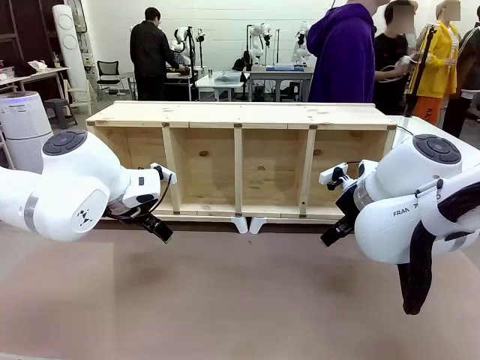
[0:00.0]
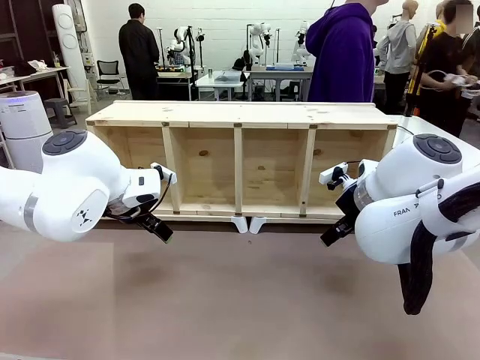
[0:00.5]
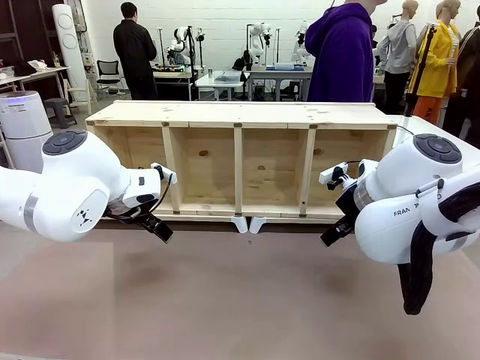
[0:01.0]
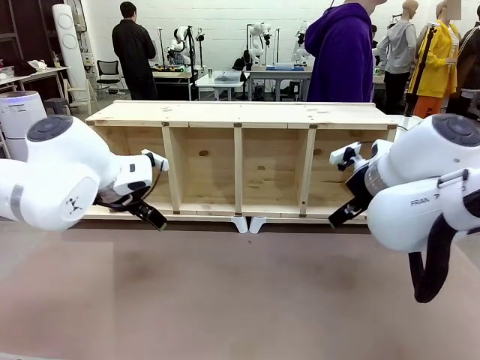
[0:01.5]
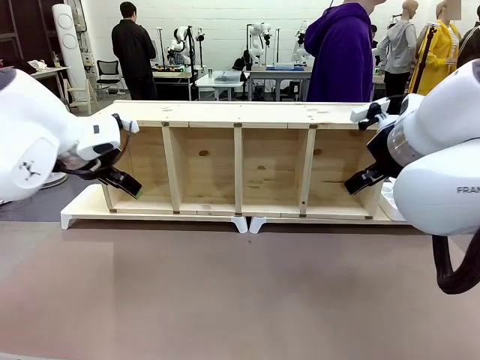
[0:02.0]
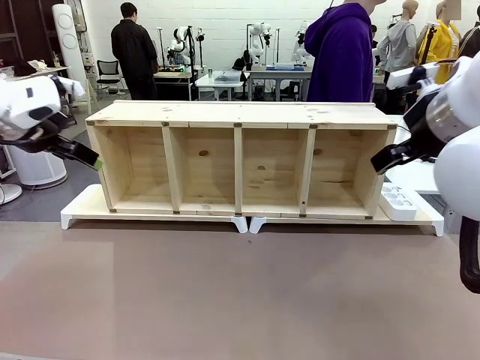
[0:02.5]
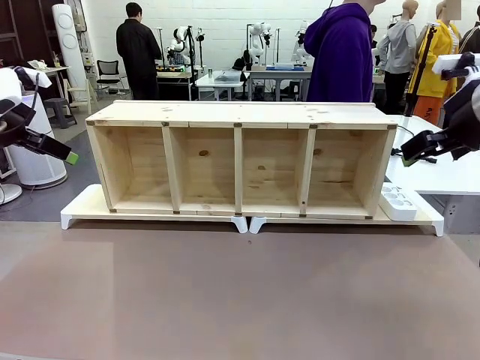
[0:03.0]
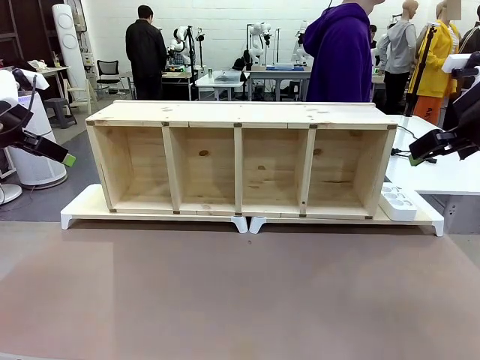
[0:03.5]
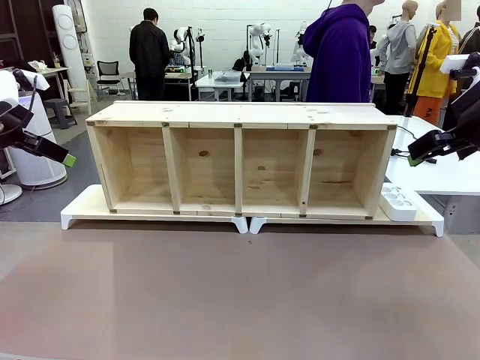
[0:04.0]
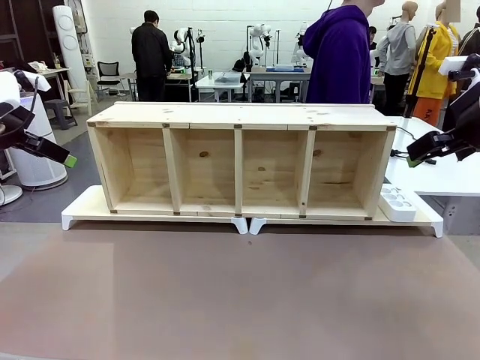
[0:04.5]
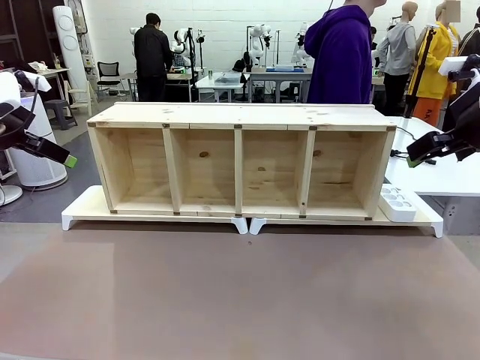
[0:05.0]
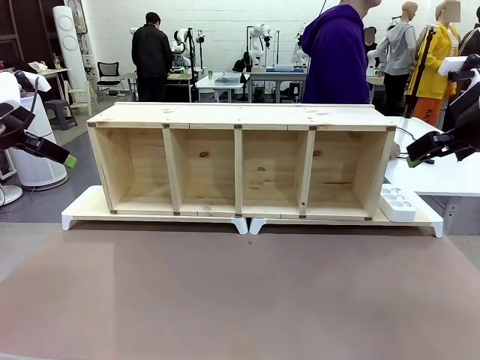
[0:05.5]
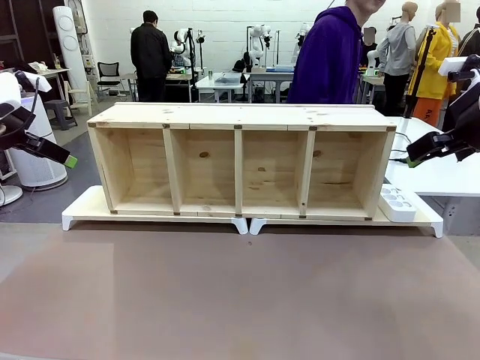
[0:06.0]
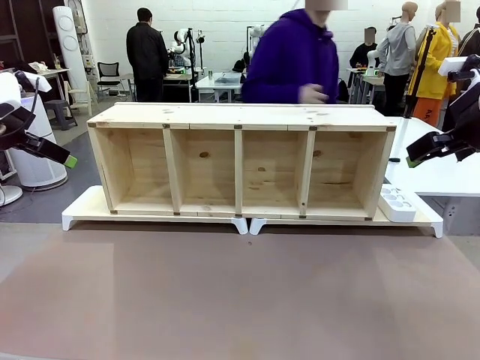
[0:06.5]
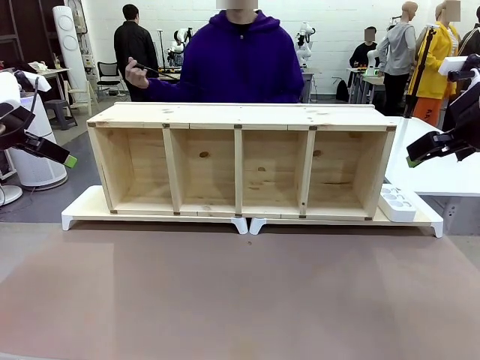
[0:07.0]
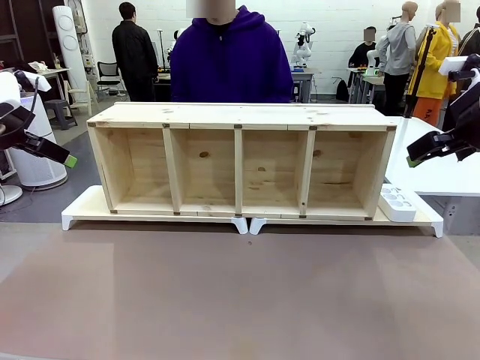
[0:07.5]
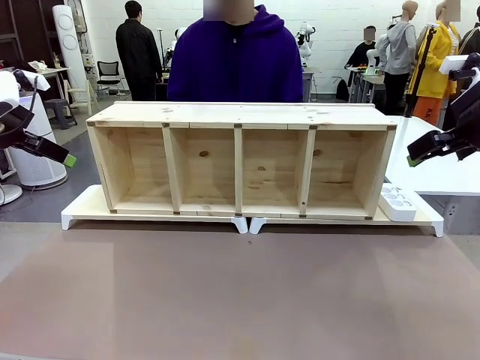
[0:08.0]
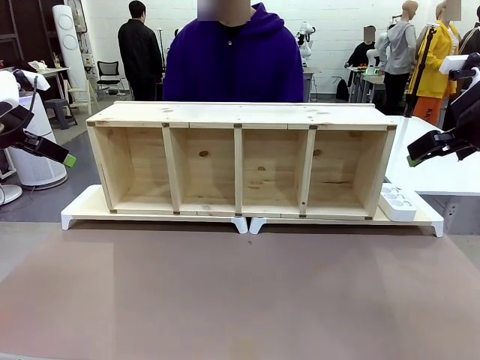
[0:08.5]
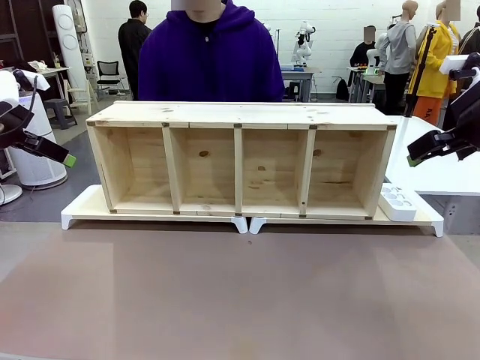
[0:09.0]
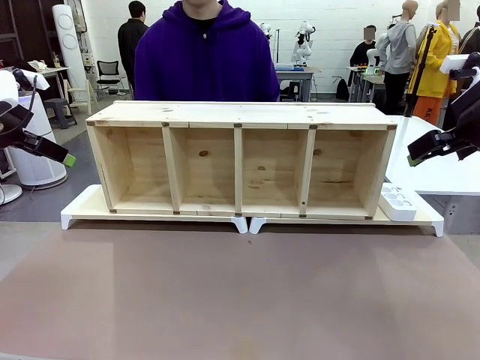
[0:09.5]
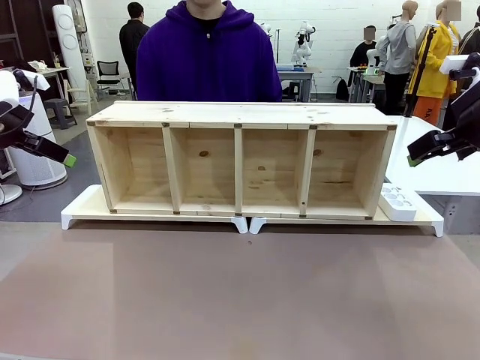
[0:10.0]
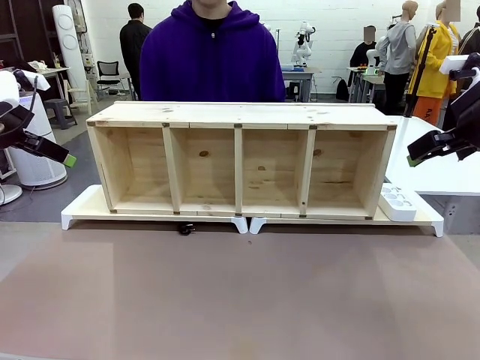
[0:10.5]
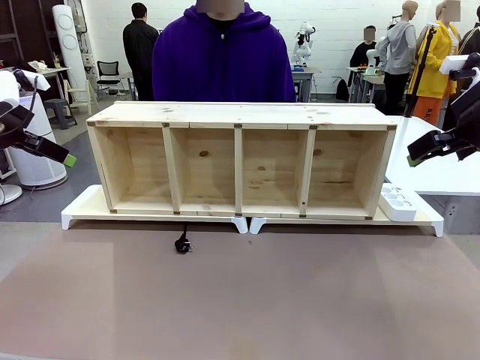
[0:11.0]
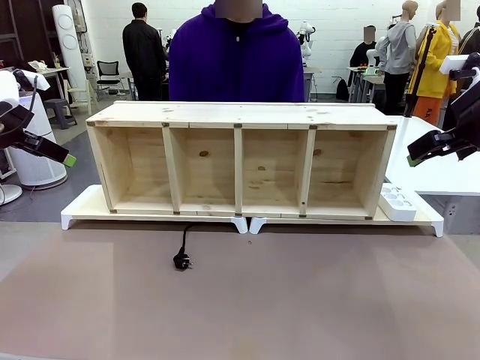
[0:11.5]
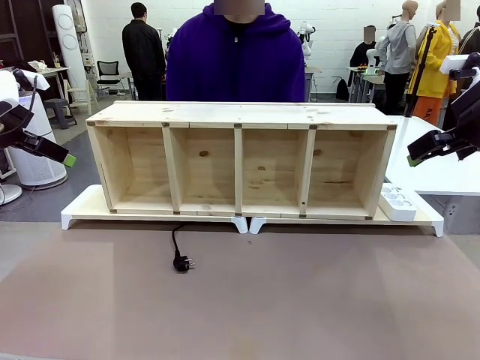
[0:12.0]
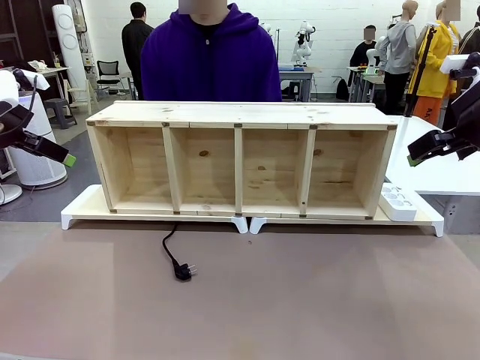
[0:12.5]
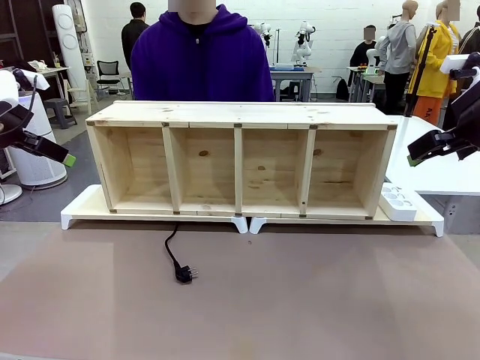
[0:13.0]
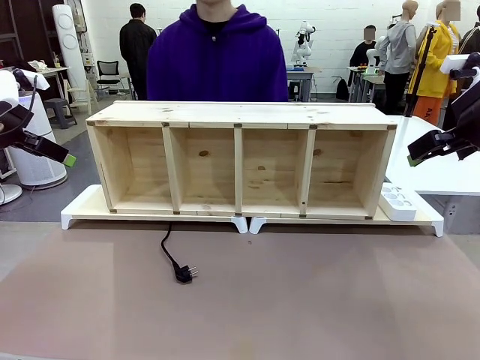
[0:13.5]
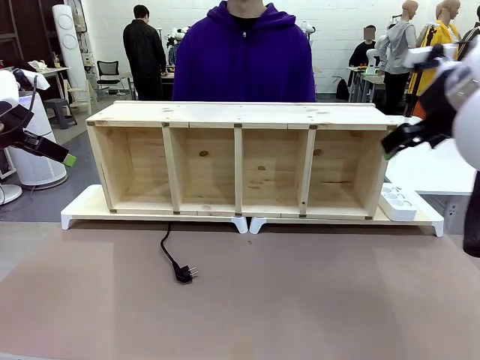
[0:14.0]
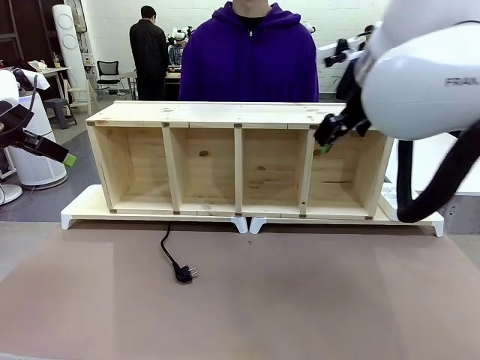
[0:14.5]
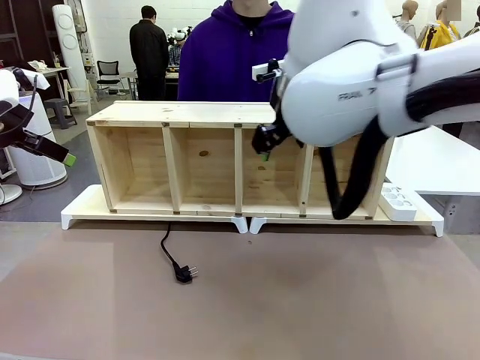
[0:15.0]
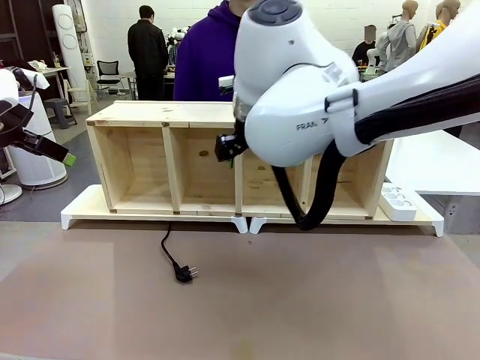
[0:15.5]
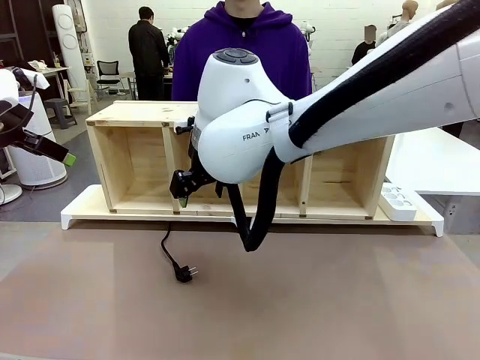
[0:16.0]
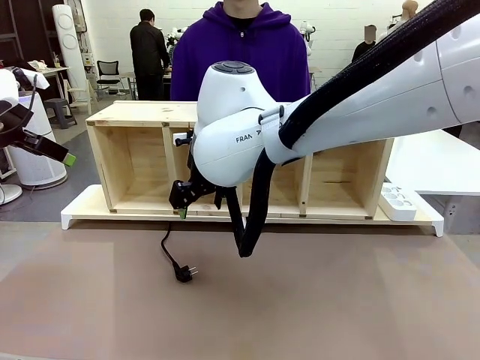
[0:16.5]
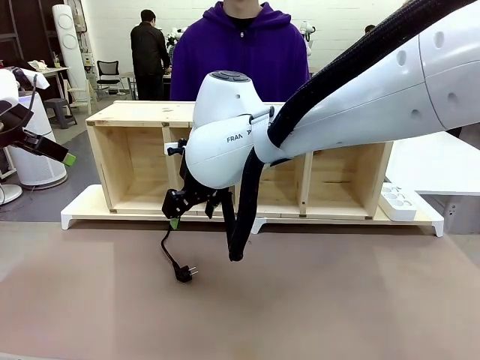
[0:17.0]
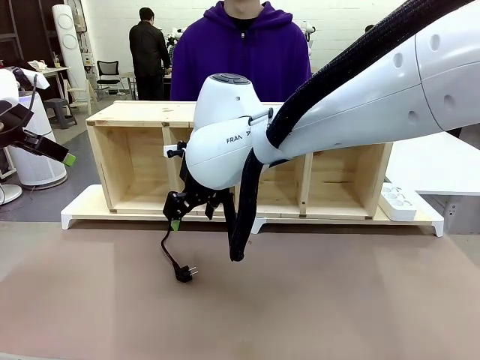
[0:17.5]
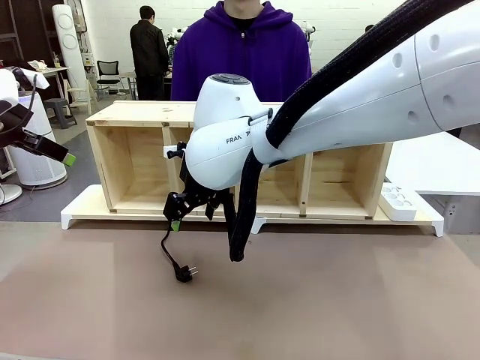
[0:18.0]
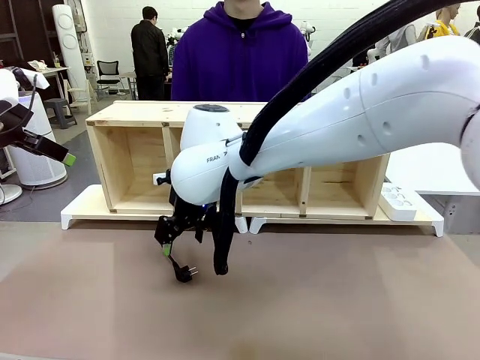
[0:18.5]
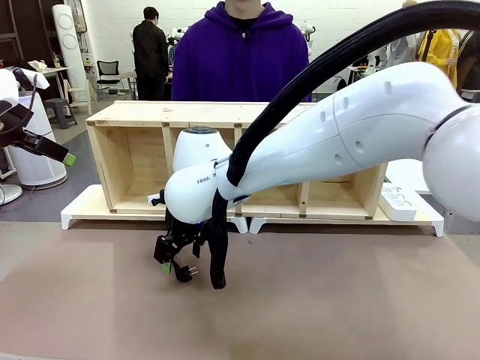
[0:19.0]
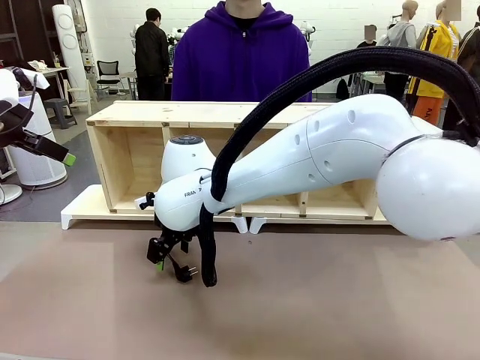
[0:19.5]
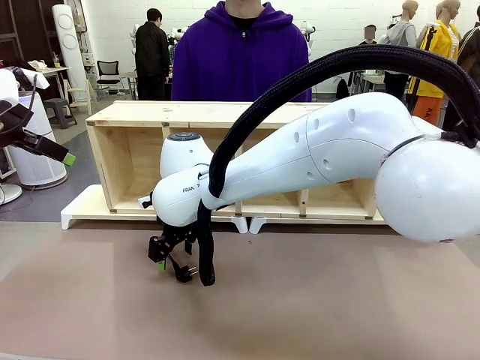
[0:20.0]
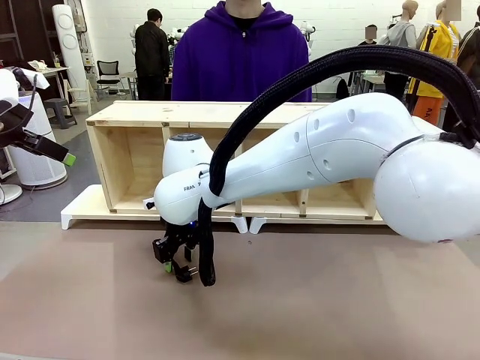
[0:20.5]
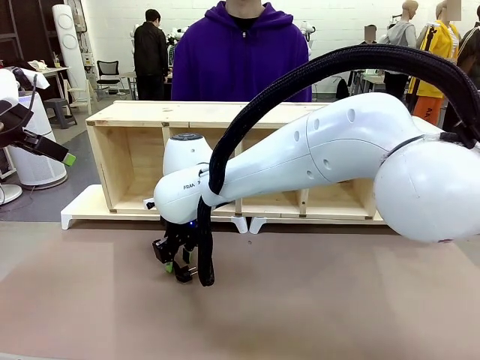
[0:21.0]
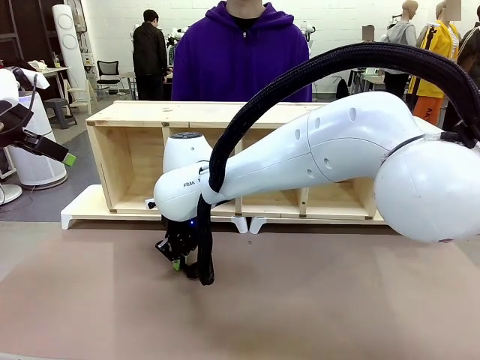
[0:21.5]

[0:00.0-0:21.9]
Task: Perform cable management.
Robot: When the cord part of the Power Cable appears at the lower middle area of the table and stops, grasp the cord part of the Power Cable.
Person: Pass the Power Cable under the Serving Table.
